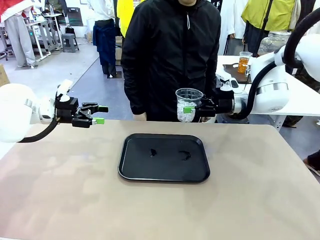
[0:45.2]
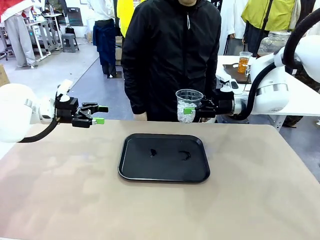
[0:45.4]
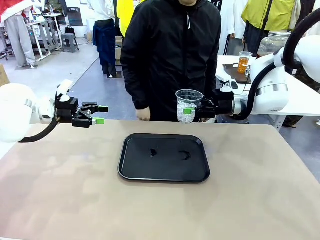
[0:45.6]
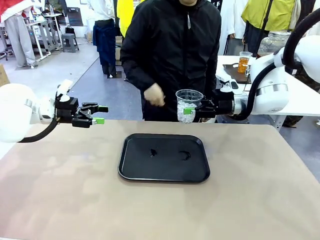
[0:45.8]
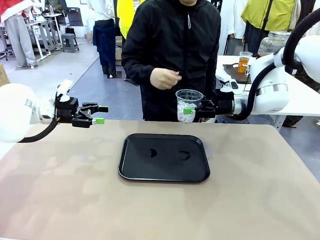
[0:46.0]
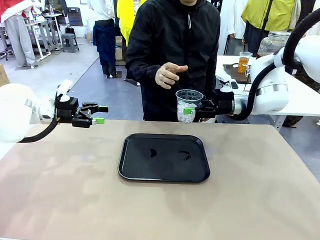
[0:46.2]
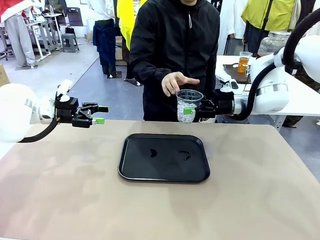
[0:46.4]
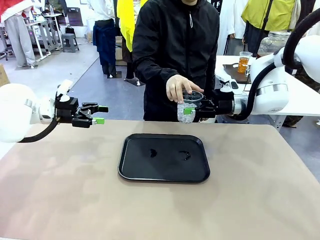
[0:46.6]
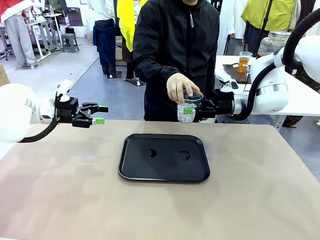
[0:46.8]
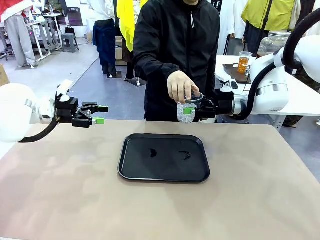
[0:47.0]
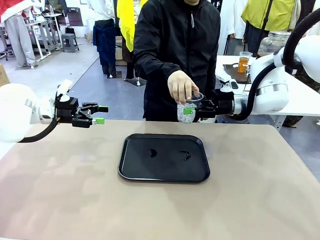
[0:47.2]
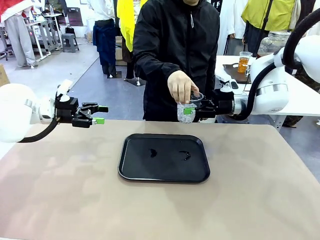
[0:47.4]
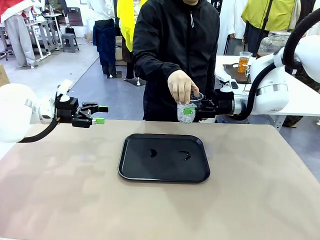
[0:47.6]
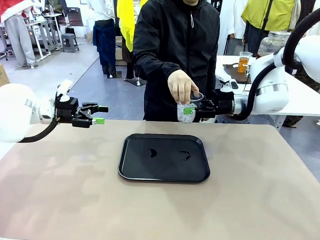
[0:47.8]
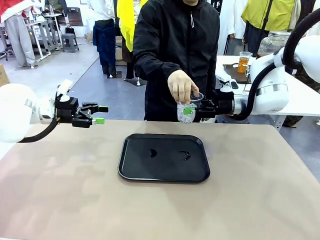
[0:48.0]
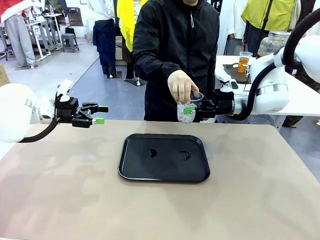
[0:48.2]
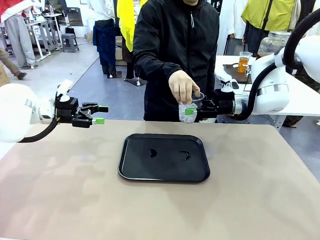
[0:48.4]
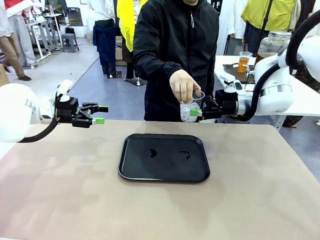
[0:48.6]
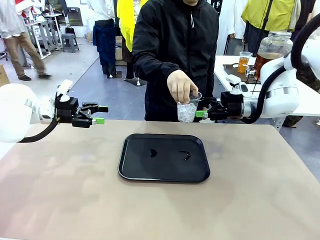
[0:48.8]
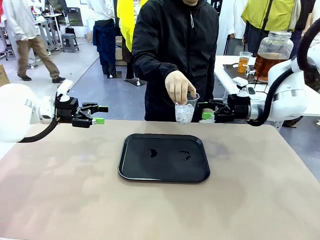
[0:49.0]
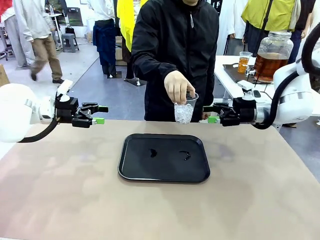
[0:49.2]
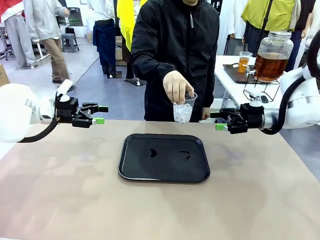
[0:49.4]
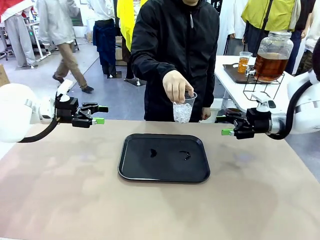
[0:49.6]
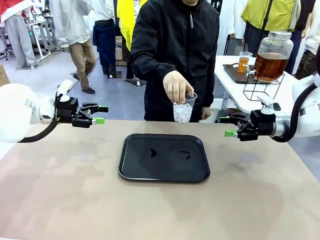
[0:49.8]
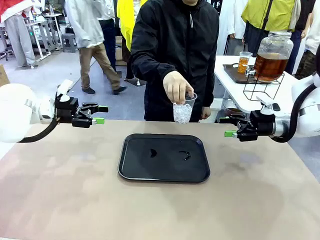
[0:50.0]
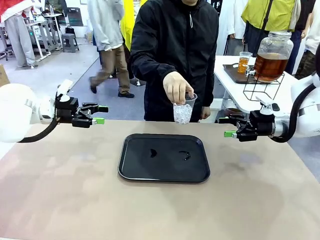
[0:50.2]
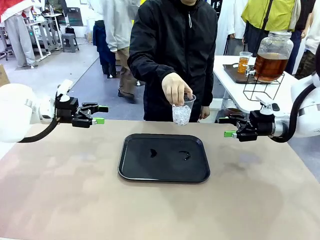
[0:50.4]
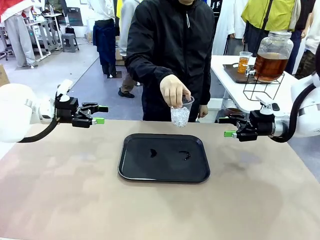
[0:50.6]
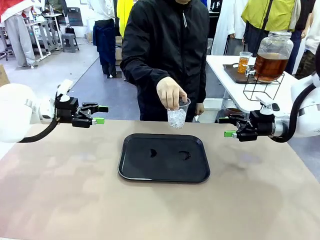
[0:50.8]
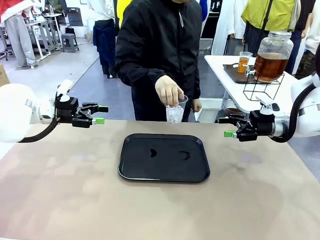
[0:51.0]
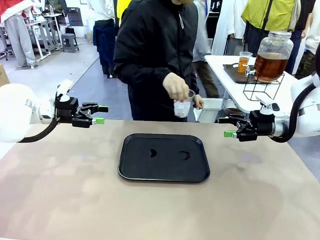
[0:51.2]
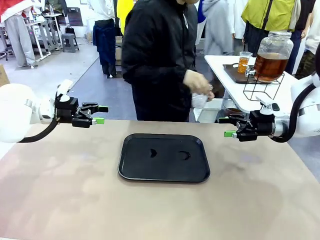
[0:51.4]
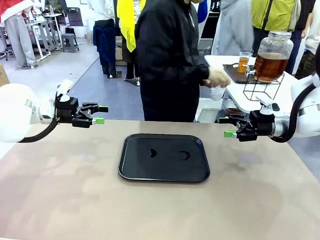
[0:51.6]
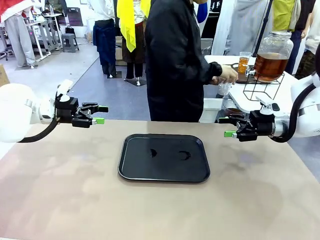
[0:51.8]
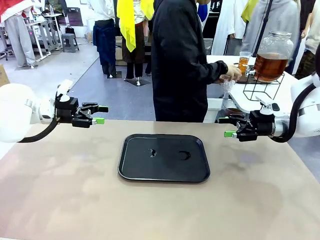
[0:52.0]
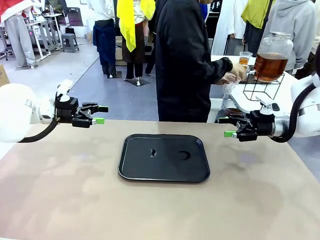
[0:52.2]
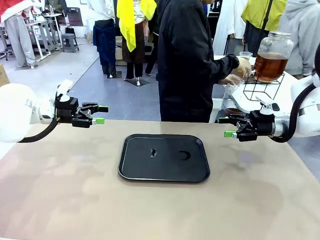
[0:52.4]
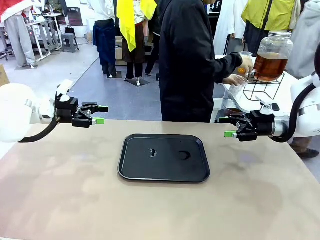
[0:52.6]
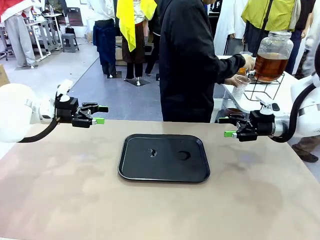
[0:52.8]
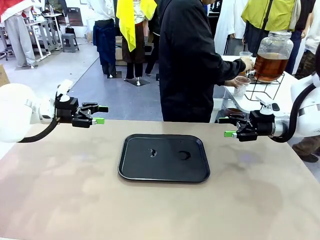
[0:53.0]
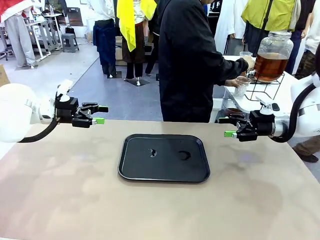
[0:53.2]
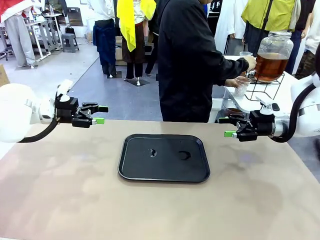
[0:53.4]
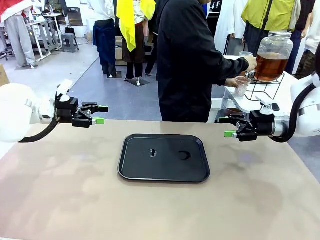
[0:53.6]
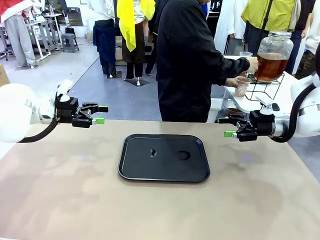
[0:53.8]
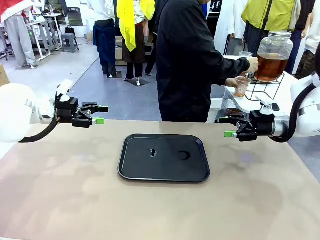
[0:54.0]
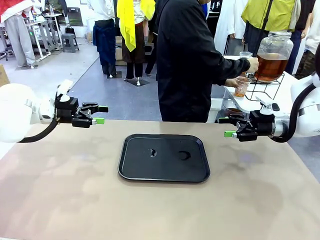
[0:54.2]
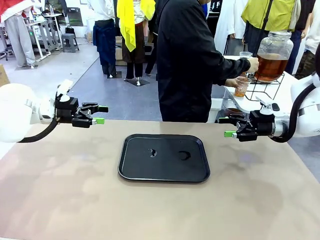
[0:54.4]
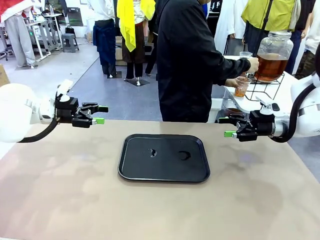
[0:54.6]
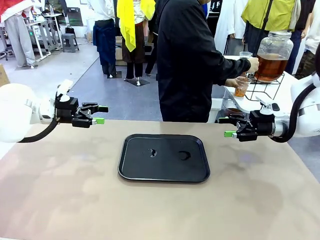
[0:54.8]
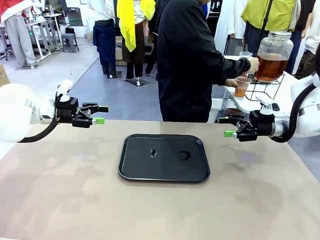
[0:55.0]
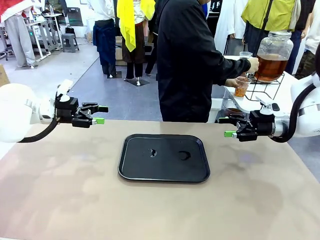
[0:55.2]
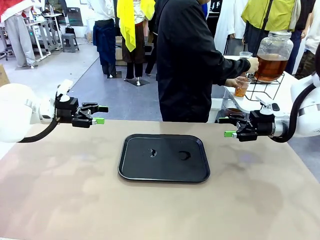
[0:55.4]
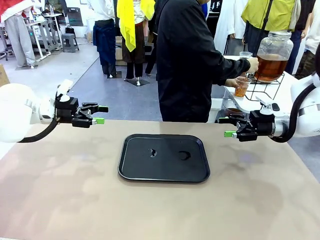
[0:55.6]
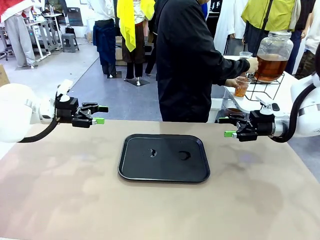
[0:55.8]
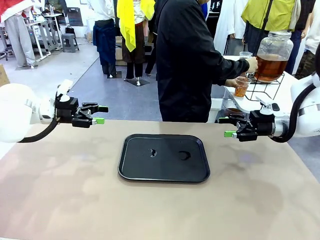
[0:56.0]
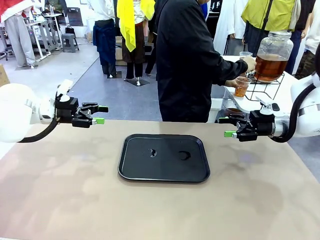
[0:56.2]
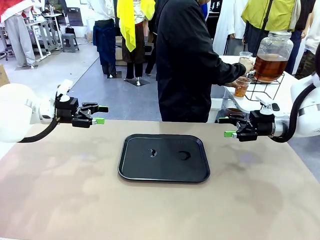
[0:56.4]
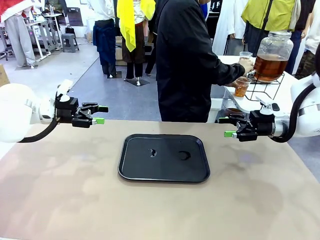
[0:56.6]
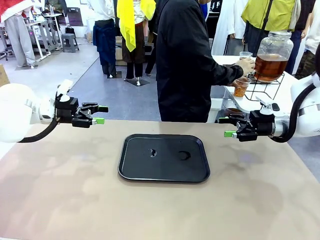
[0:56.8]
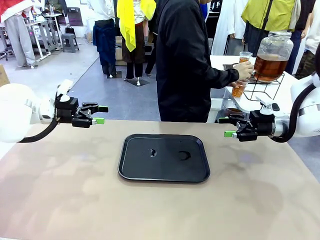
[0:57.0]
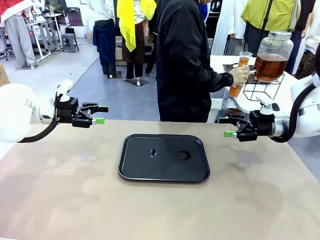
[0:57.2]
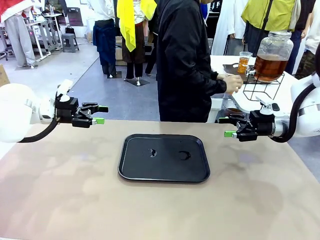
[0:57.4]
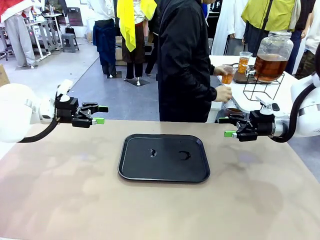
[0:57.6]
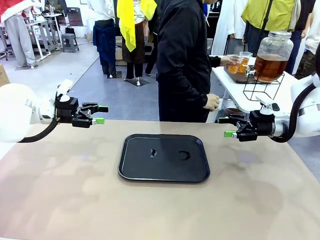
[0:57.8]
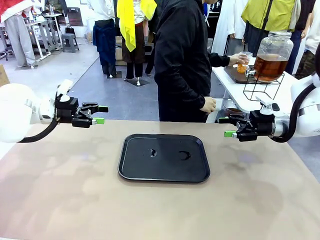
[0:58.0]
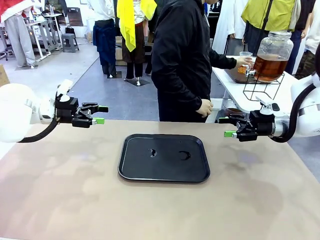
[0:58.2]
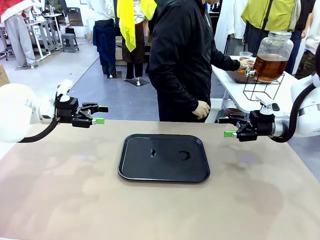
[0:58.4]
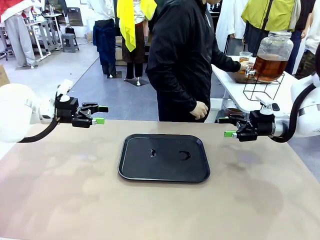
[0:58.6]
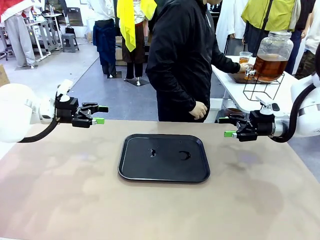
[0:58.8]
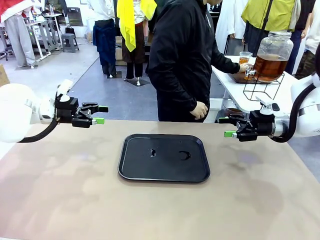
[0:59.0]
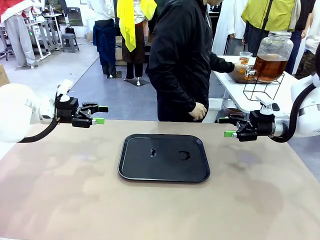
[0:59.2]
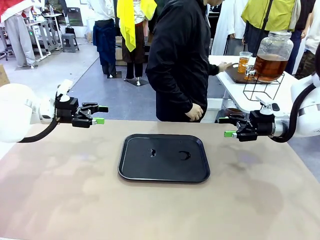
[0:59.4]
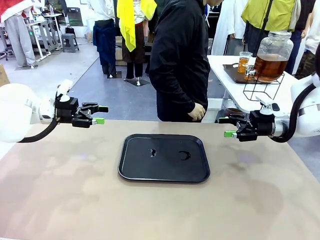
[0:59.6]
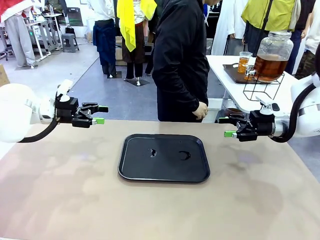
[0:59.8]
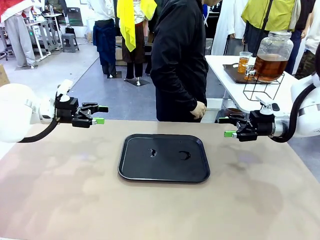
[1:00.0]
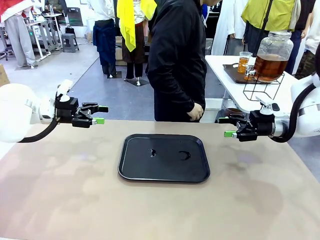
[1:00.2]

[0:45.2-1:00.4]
Task: Pour the drink into the iced cup.
Robot: Open the gripper to release the iced cup you were holding.
Person: Move the picked-up cup under the dispenser faucet, pour the drink, and place it on the tray on the human table.

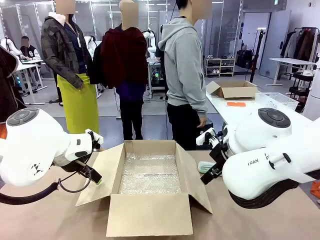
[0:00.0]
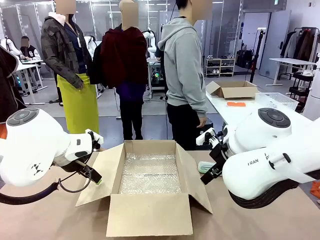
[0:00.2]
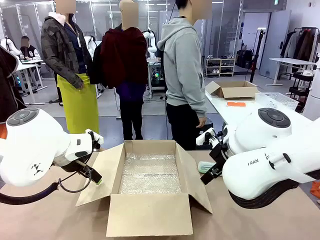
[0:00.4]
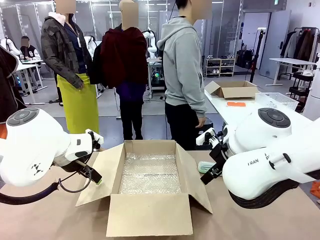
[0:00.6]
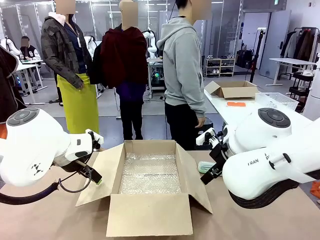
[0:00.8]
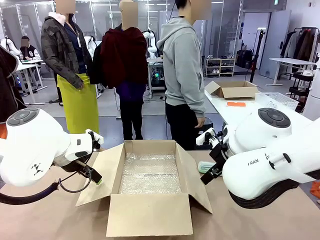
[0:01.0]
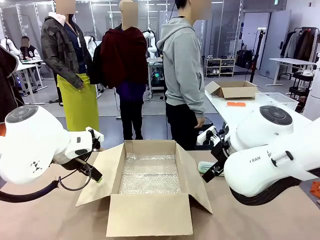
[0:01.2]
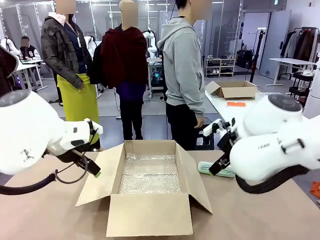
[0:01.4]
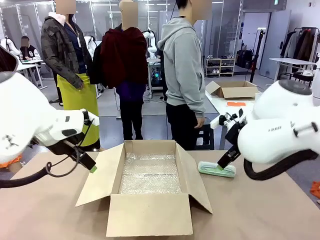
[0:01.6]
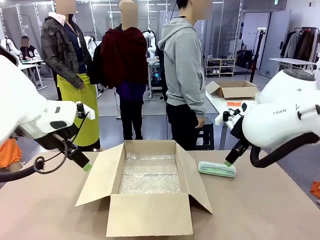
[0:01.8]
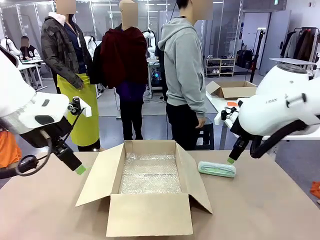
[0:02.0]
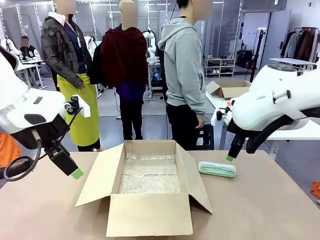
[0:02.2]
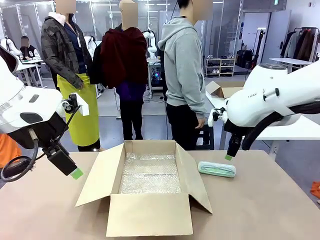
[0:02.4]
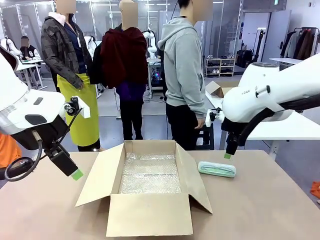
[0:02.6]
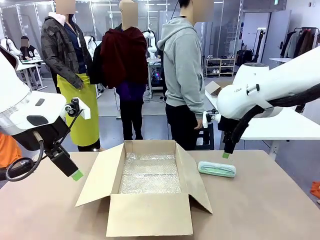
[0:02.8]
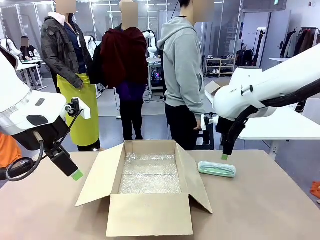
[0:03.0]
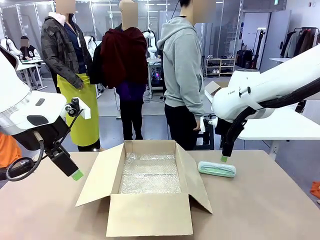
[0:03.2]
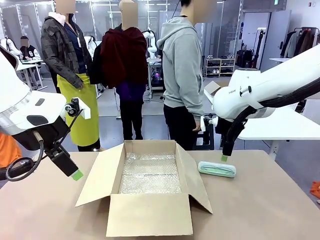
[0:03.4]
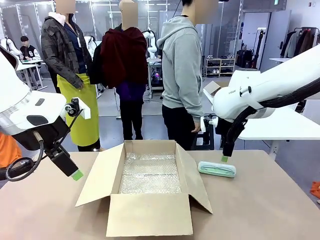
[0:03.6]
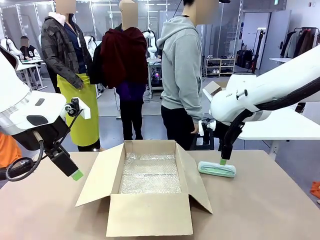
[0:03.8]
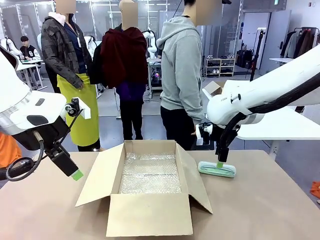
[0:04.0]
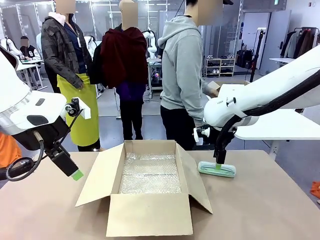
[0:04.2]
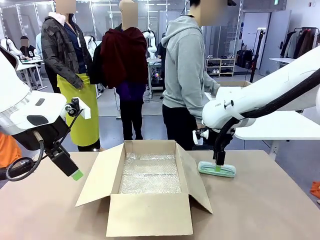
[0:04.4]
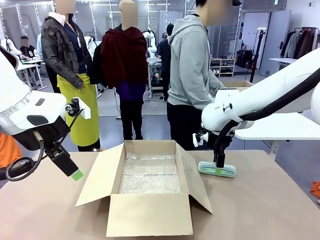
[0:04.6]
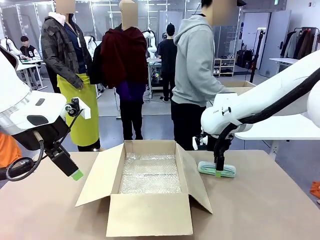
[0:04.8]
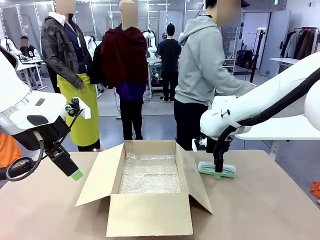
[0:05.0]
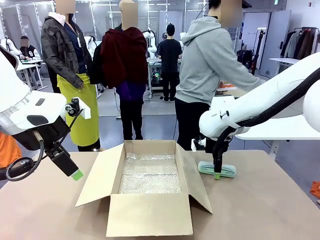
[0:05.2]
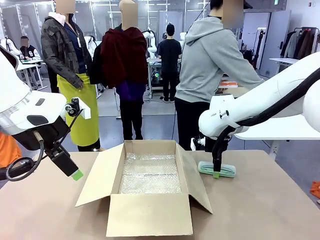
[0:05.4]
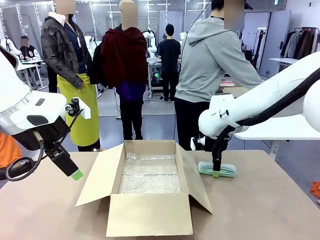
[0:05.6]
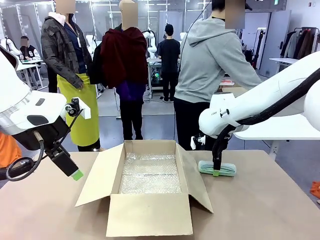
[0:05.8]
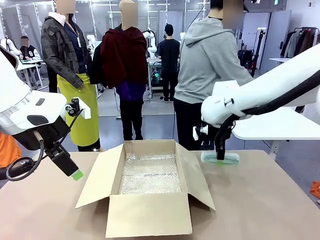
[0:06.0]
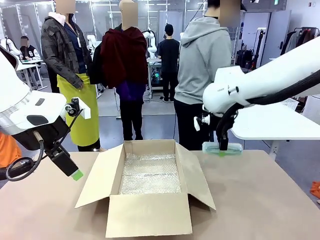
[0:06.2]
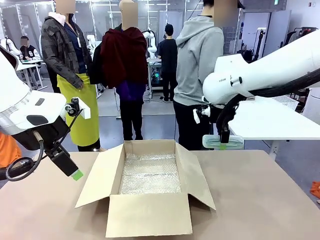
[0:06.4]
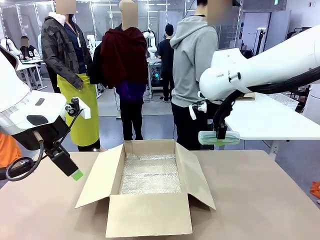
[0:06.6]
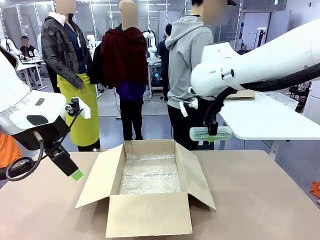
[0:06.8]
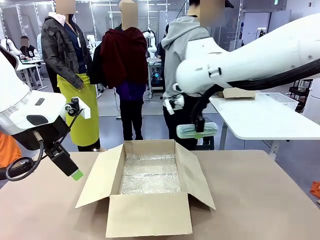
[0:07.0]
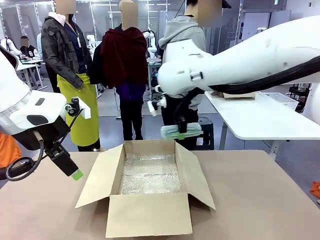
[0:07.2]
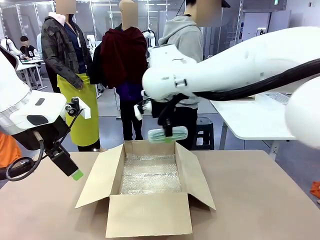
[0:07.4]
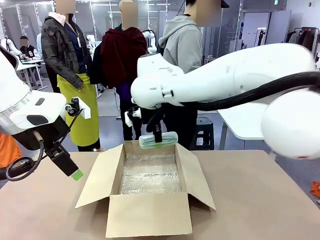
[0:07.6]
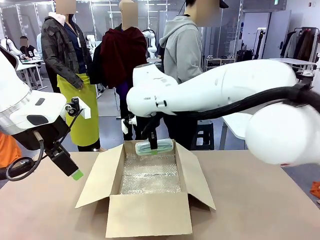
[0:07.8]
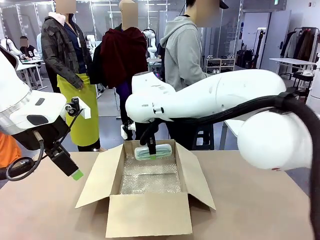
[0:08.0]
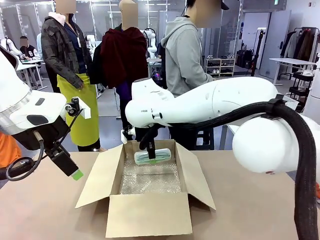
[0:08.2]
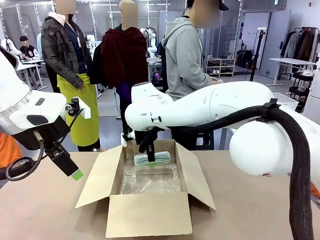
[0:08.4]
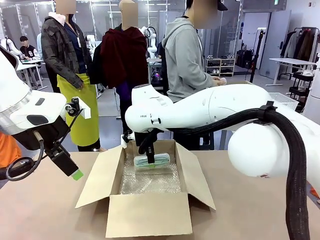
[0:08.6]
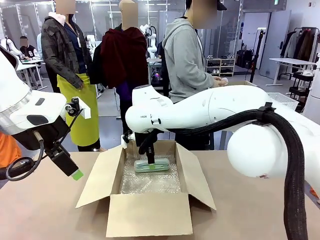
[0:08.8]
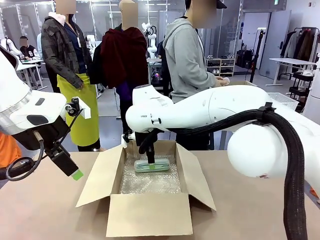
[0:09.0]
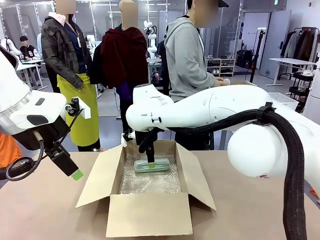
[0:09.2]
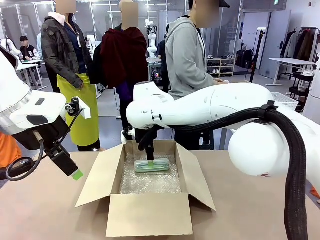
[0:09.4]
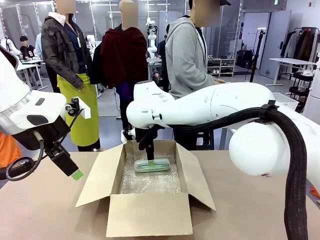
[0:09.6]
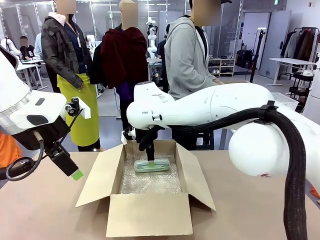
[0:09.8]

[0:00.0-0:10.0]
Task: Pack the glasses set securely to prepare it for shipping.
Robot: Place the Glasses case inside the Package Box.
Person: Place the Glasses inside the Glasses case.
